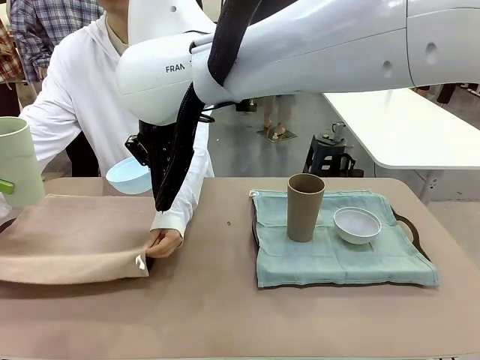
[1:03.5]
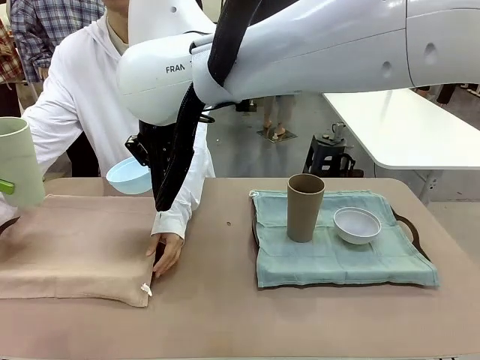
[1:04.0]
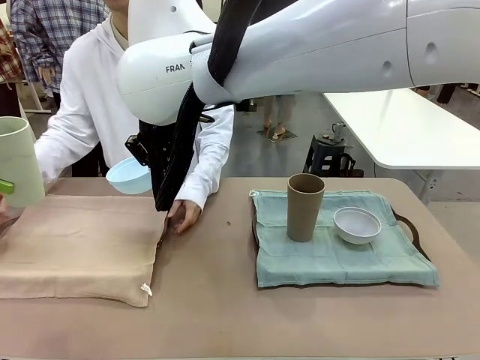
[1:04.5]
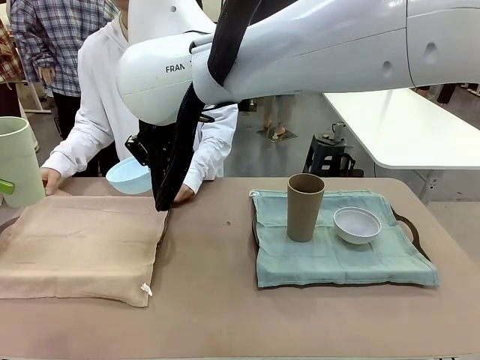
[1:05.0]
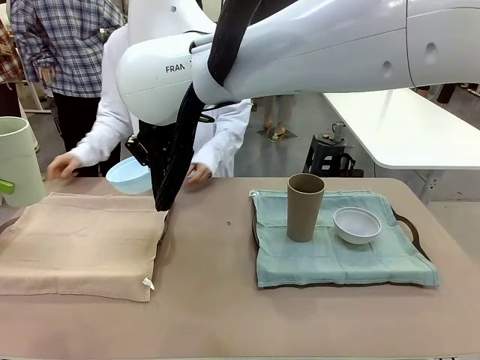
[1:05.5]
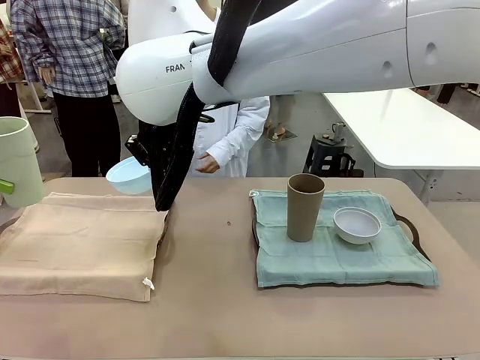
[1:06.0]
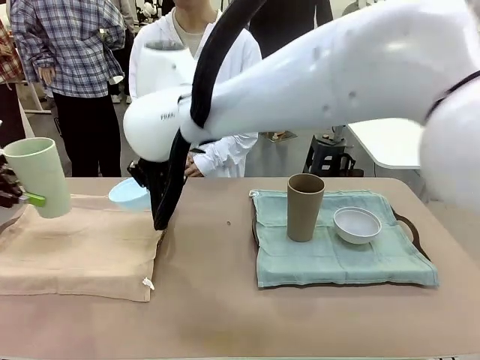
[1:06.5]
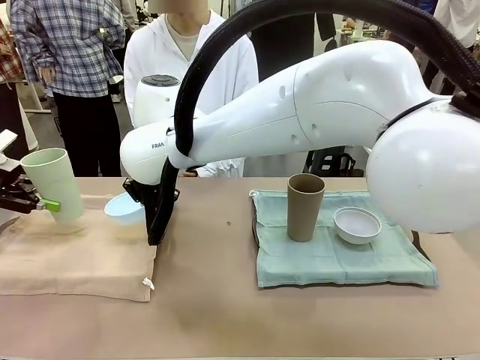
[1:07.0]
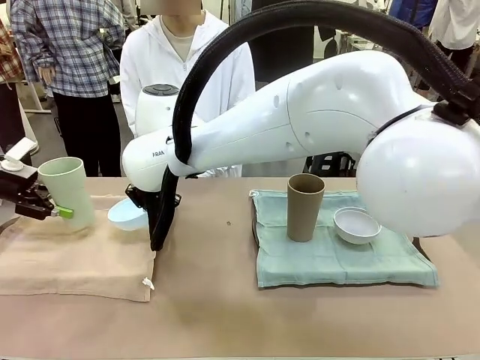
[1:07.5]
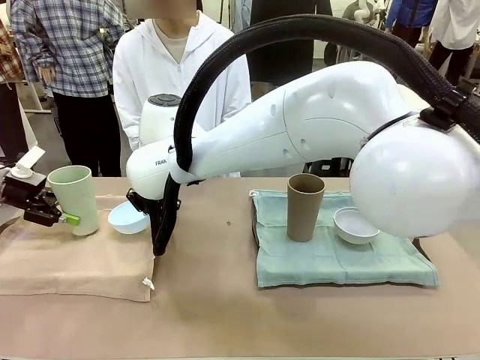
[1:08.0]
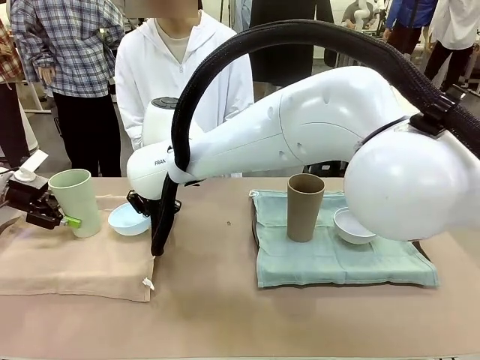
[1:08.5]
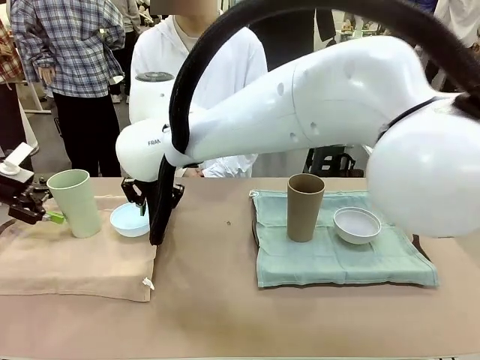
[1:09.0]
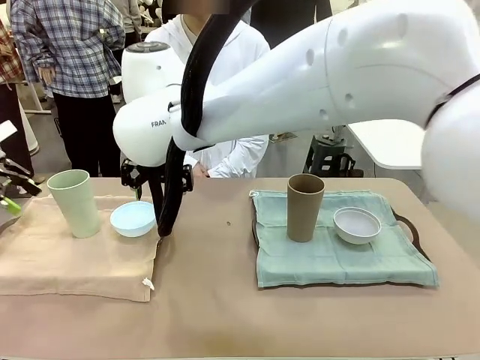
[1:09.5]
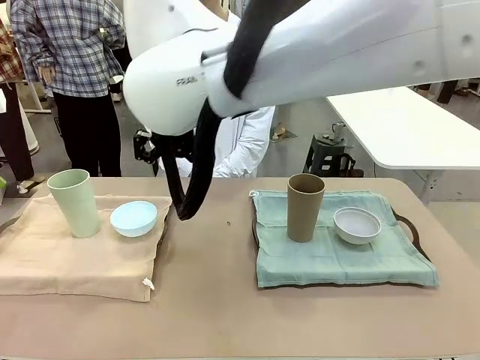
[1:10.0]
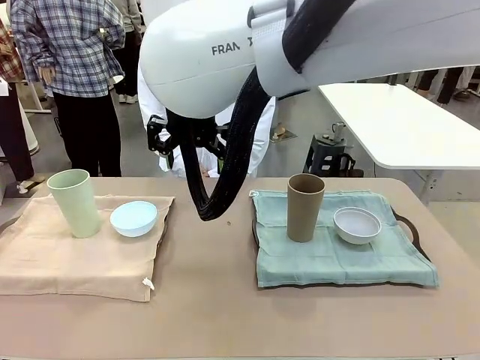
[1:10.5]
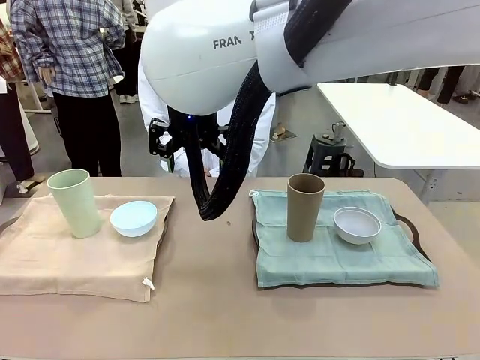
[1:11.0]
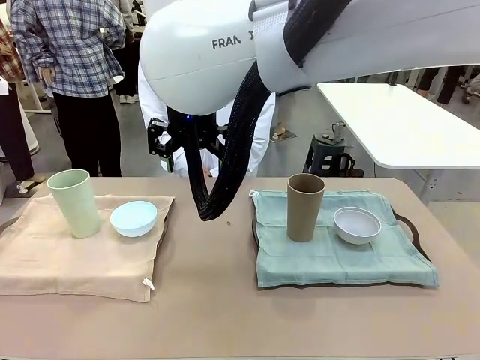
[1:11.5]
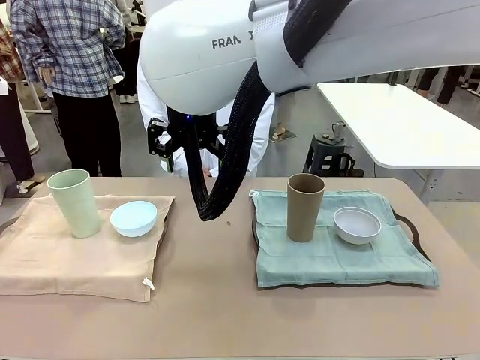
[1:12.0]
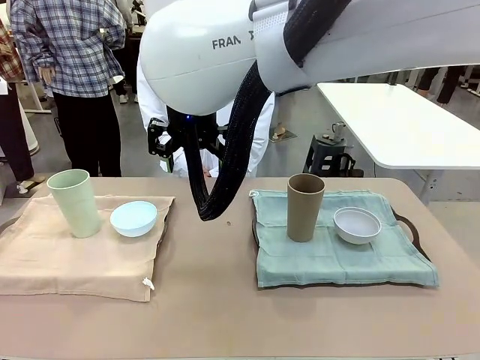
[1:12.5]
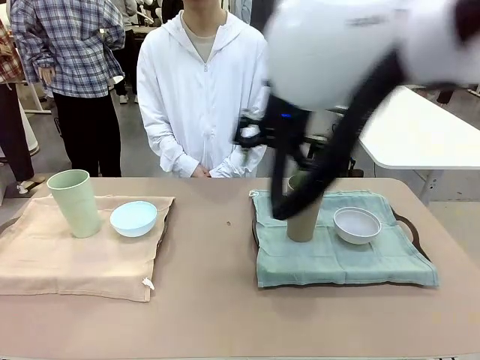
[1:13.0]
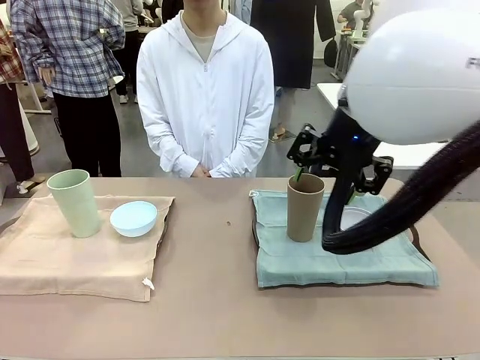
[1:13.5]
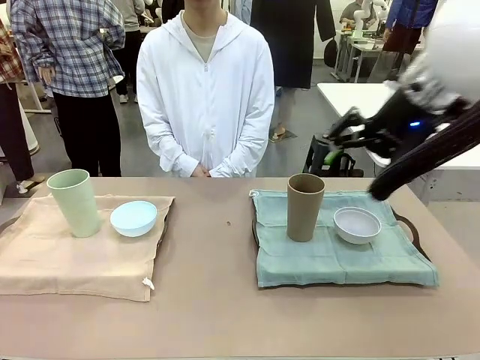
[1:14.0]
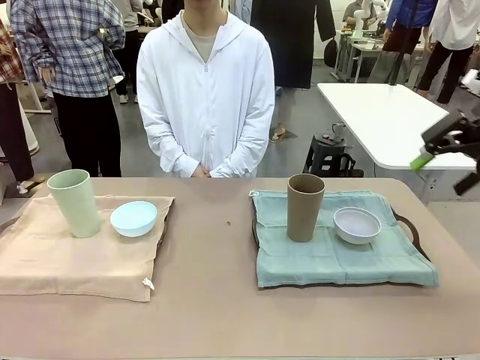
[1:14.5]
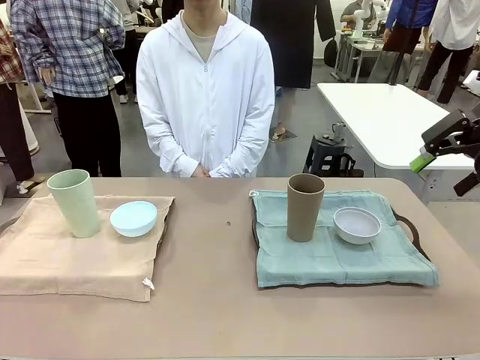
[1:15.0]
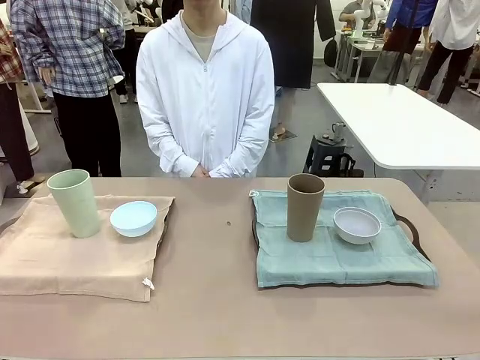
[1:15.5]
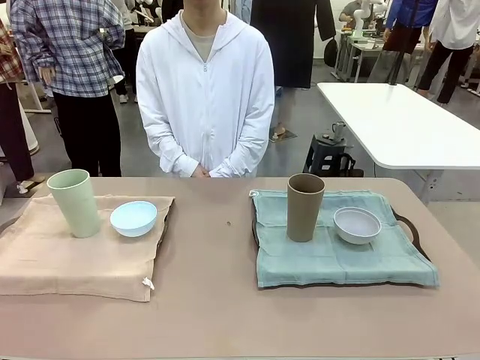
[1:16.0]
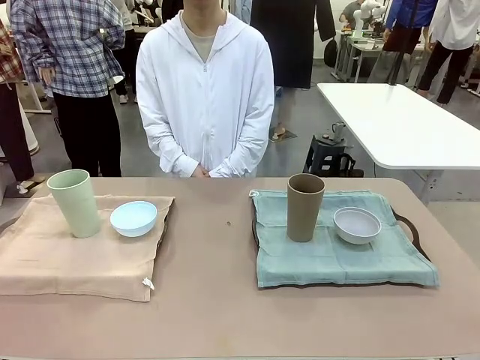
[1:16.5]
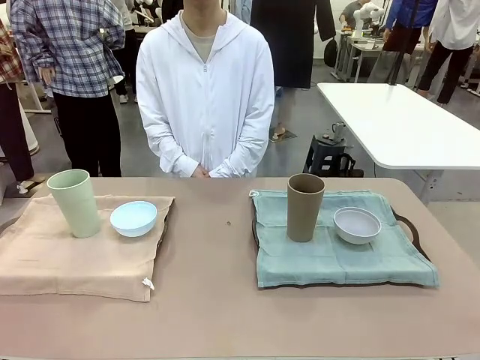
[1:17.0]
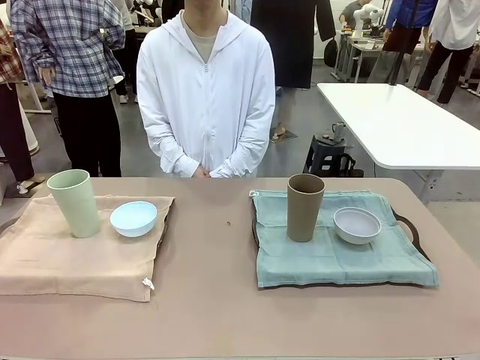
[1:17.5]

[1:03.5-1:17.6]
Robot: Place the Picnic Bowl and Reusable plastic cup back onto the Handle tray in front of the human's position.

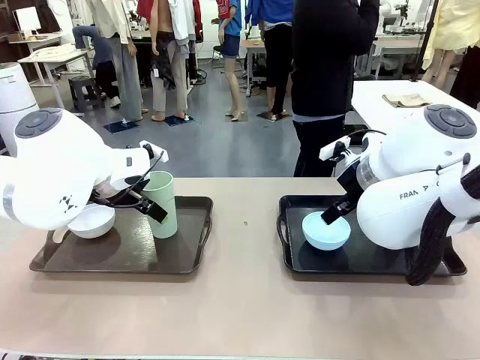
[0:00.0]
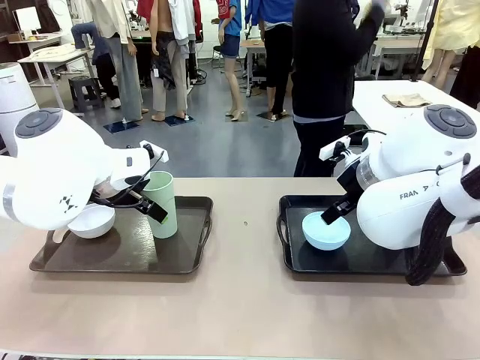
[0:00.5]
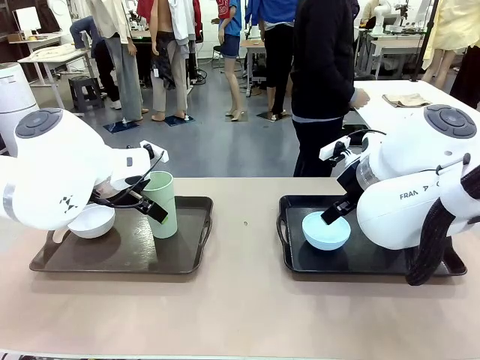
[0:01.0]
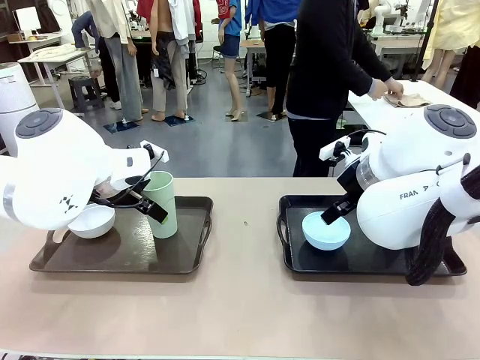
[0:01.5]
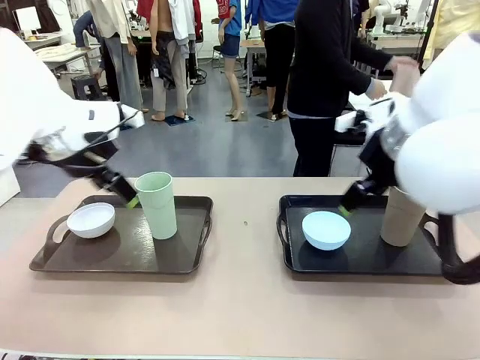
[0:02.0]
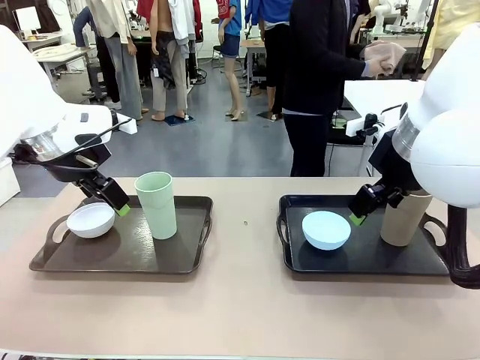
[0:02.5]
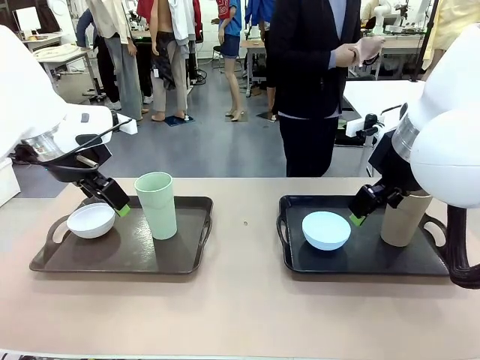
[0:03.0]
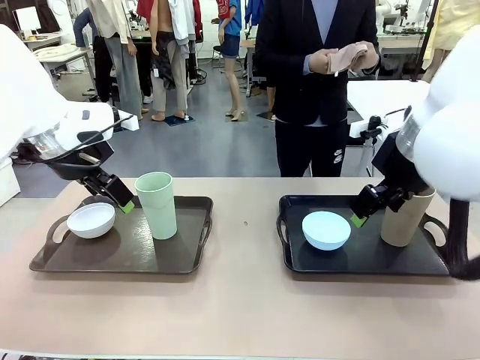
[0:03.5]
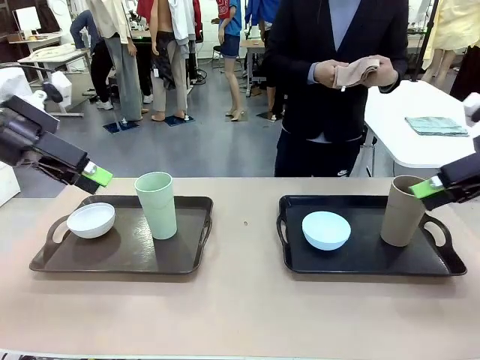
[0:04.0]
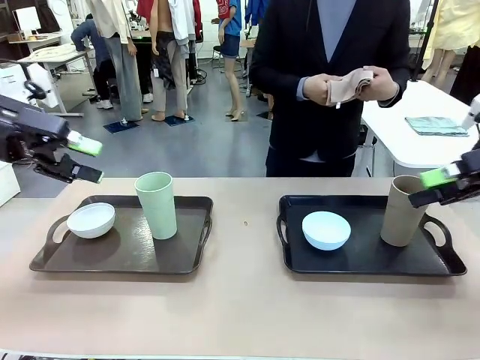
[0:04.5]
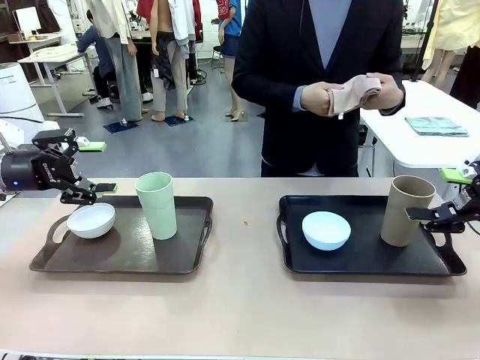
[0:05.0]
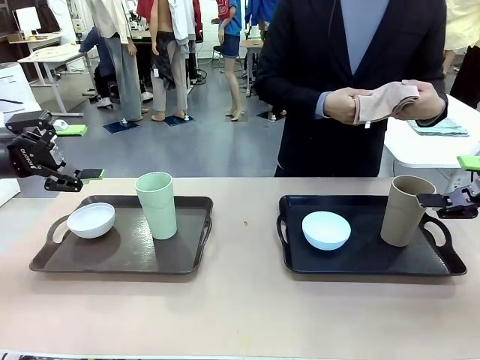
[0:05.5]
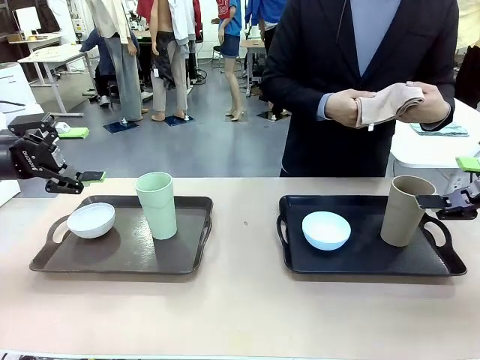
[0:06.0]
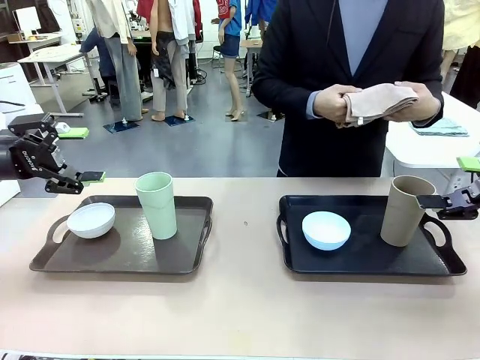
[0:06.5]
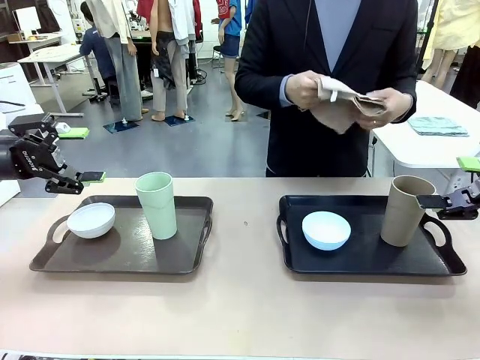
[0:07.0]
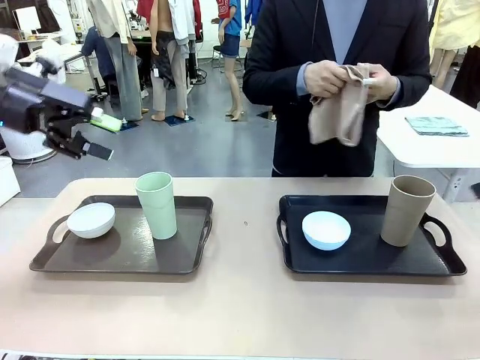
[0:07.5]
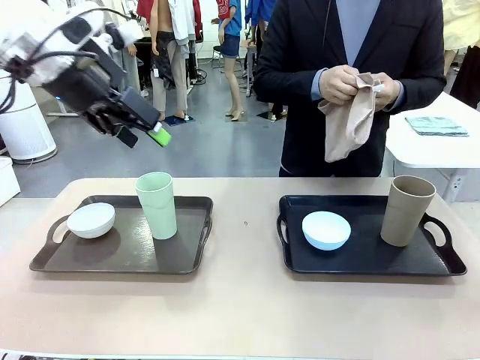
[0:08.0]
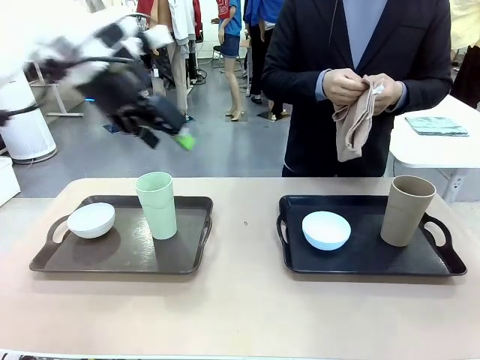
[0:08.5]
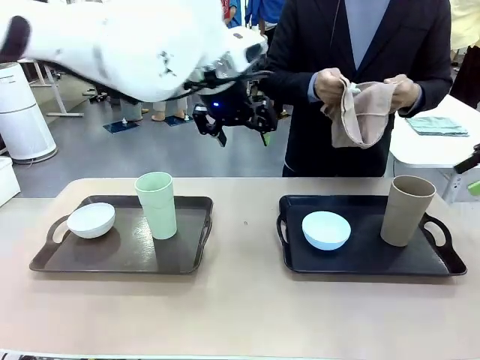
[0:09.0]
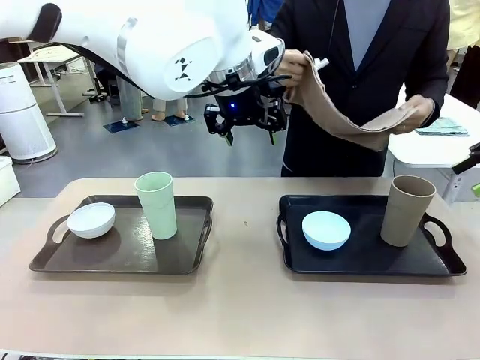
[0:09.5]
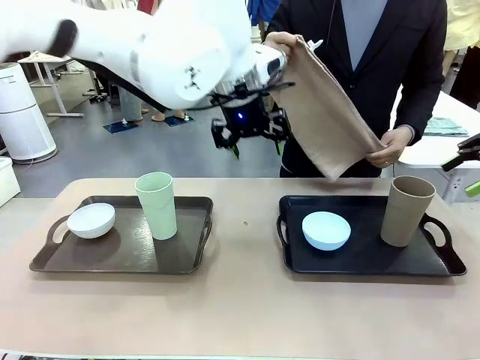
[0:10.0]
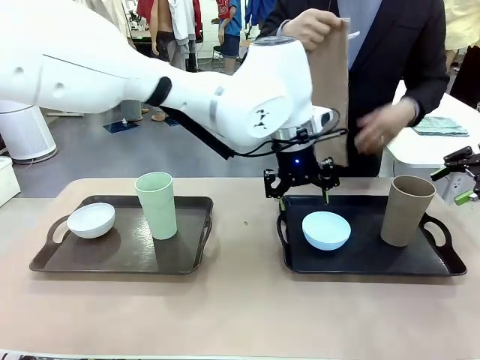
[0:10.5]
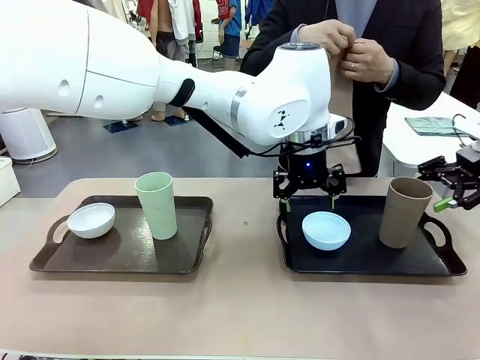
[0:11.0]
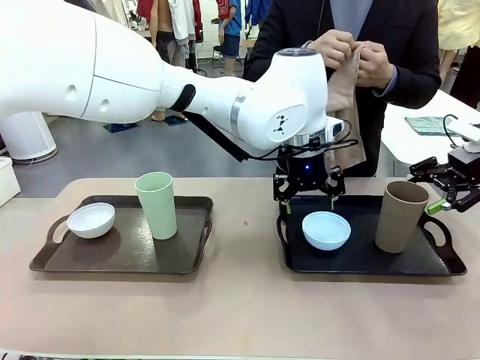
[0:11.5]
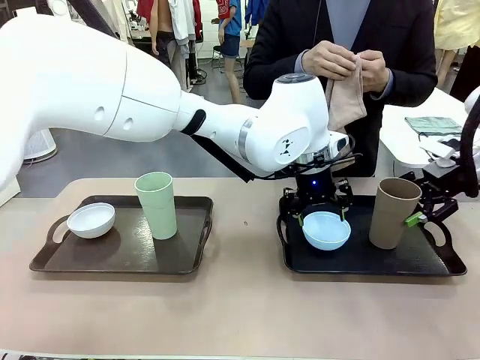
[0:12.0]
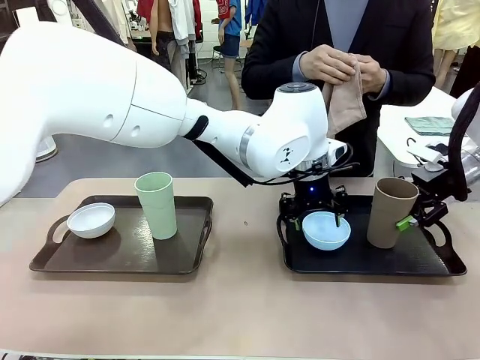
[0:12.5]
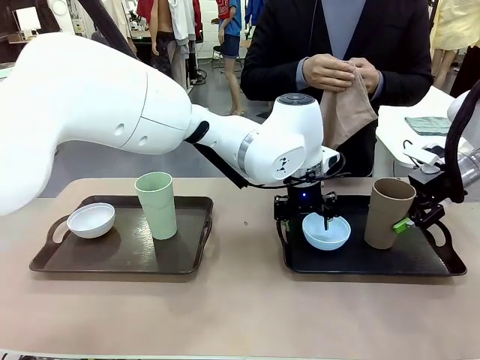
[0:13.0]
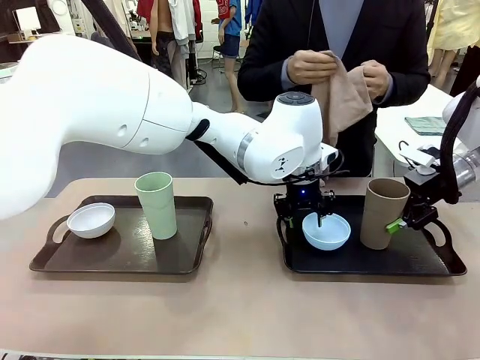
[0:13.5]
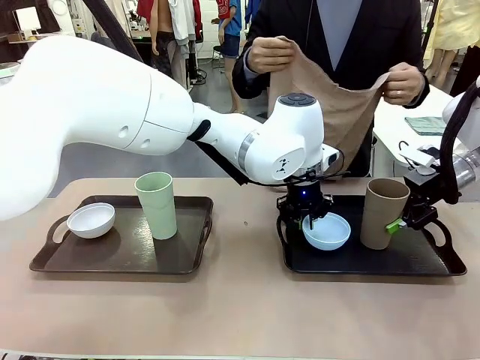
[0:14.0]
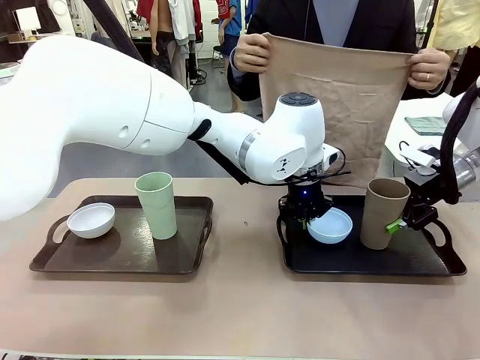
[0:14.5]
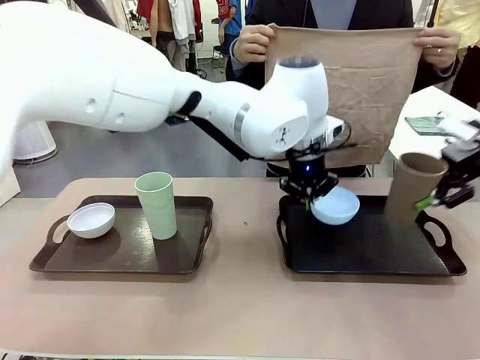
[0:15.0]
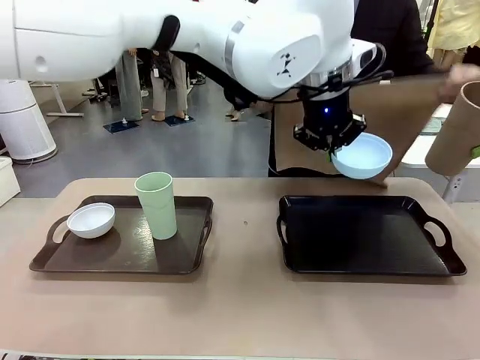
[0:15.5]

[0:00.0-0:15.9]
Robot: Pick up the Picnic Bowl and Reusable plastic cup from the Handle tray in front of the human's position and hold them in the air.
Person: The human picks up the top napkin from the stack on the human table and walks to the robot table to stand in front of one of the two trays. When the robot lifts the bowl and the cup, the human unfolds the napkin and lays the napkin flat on the tray.
